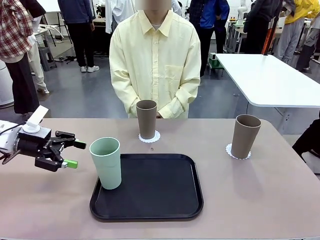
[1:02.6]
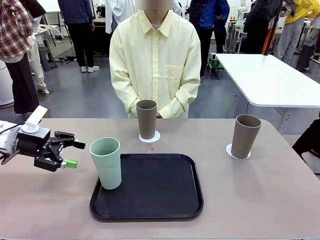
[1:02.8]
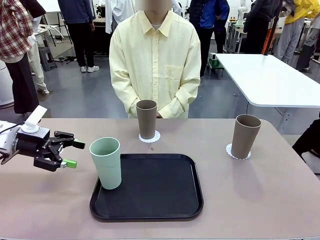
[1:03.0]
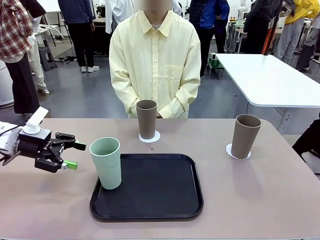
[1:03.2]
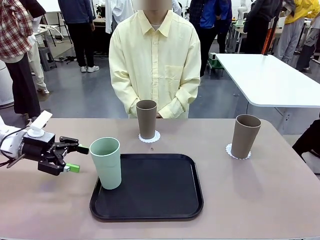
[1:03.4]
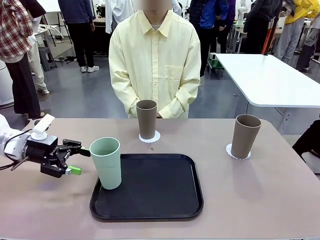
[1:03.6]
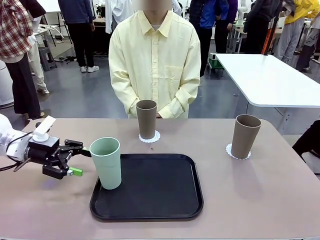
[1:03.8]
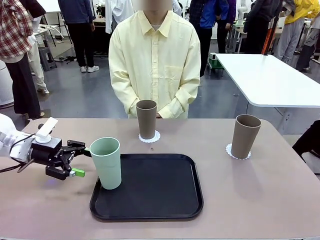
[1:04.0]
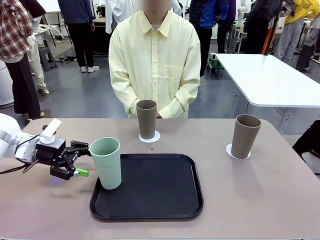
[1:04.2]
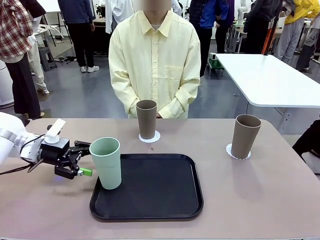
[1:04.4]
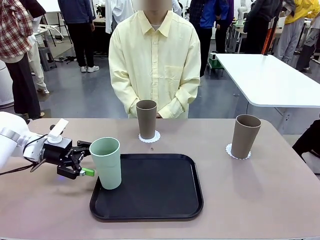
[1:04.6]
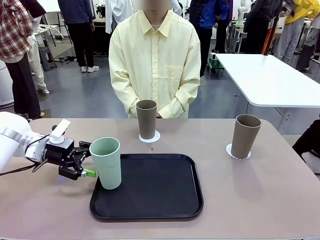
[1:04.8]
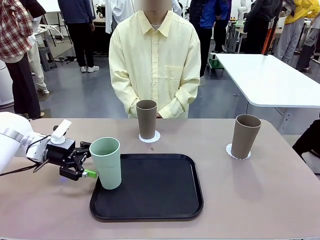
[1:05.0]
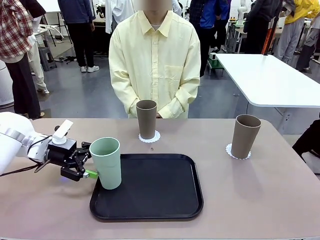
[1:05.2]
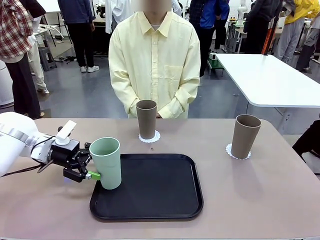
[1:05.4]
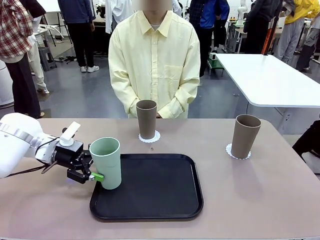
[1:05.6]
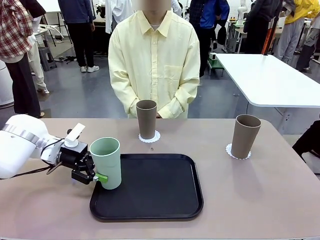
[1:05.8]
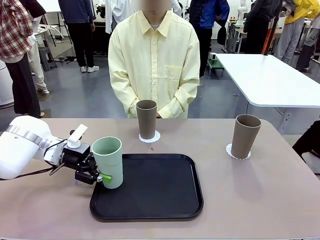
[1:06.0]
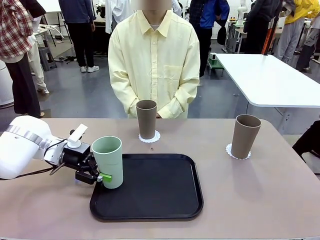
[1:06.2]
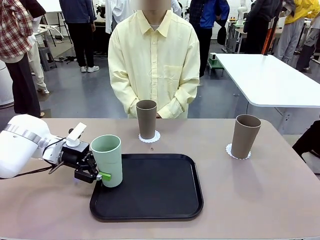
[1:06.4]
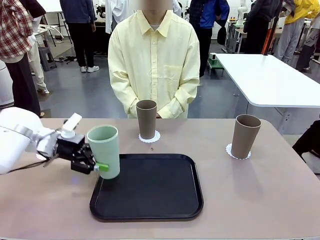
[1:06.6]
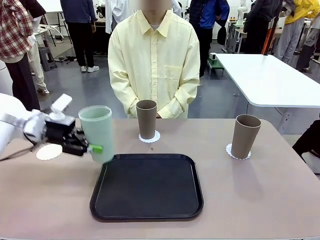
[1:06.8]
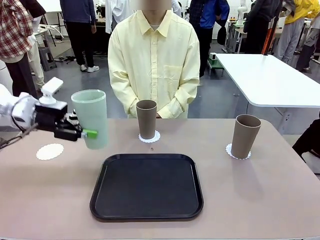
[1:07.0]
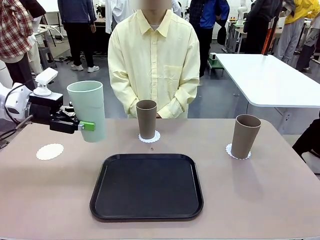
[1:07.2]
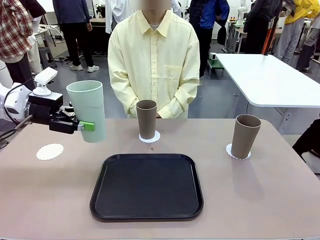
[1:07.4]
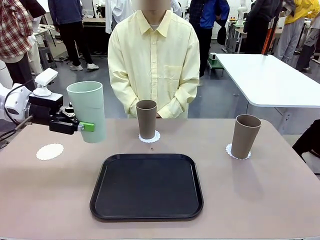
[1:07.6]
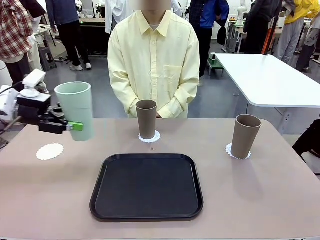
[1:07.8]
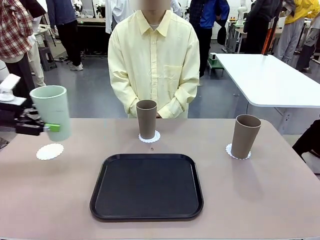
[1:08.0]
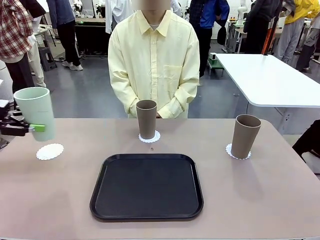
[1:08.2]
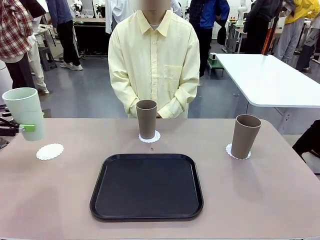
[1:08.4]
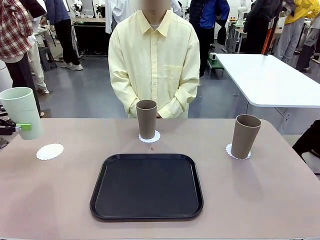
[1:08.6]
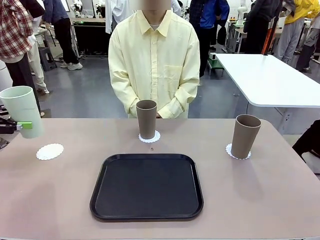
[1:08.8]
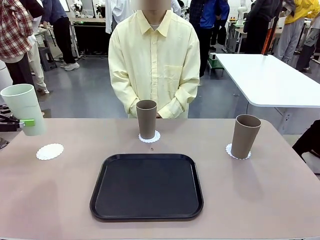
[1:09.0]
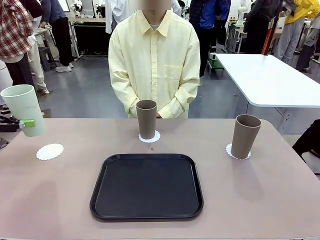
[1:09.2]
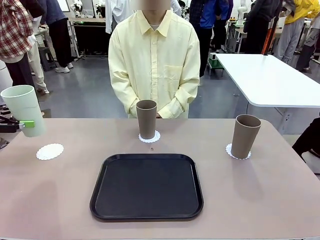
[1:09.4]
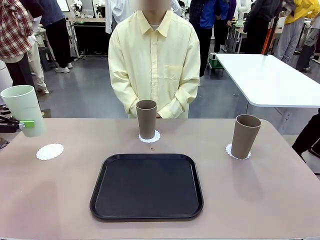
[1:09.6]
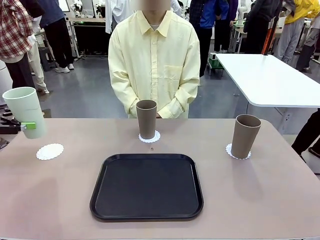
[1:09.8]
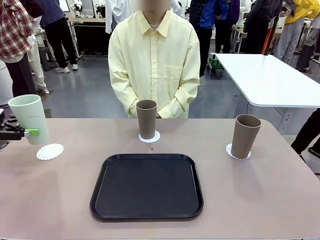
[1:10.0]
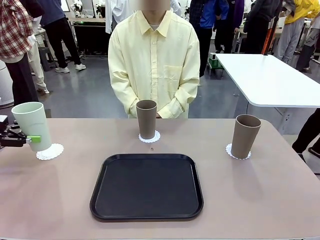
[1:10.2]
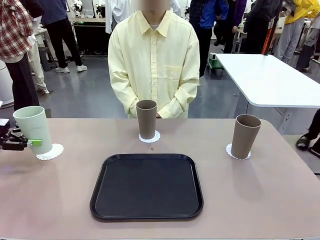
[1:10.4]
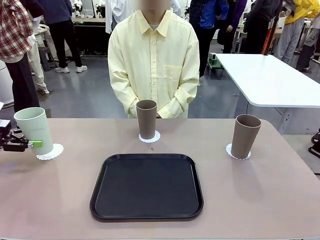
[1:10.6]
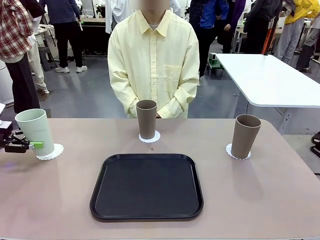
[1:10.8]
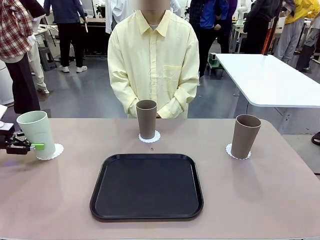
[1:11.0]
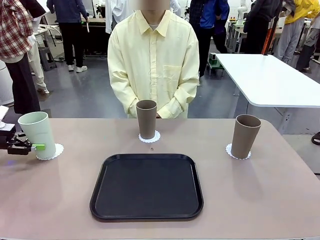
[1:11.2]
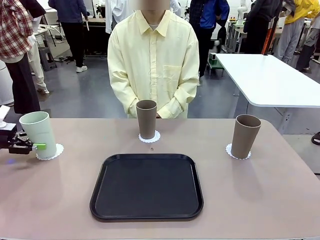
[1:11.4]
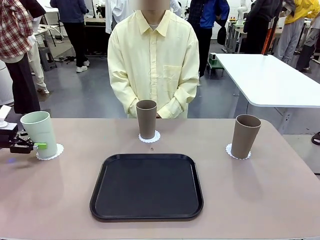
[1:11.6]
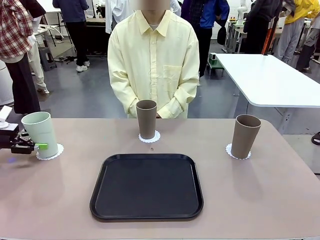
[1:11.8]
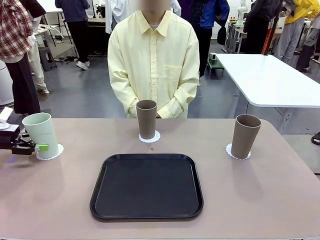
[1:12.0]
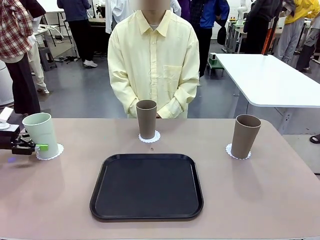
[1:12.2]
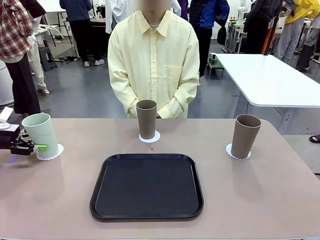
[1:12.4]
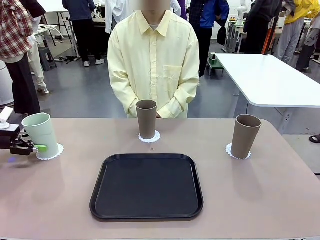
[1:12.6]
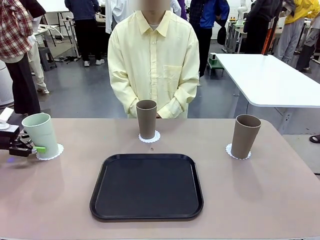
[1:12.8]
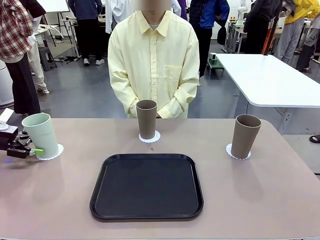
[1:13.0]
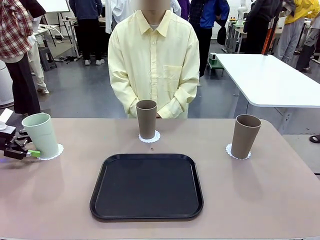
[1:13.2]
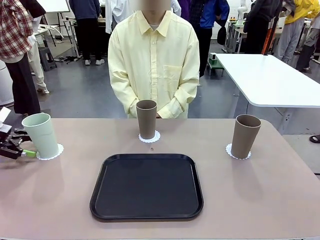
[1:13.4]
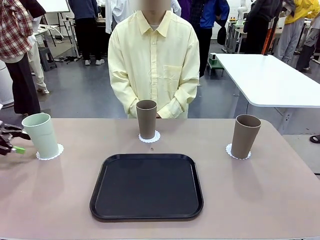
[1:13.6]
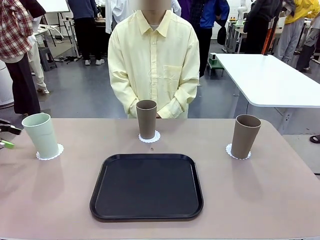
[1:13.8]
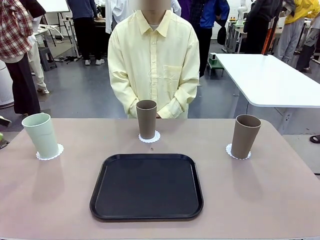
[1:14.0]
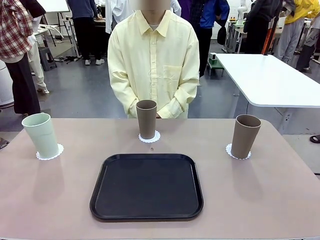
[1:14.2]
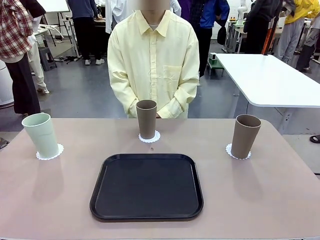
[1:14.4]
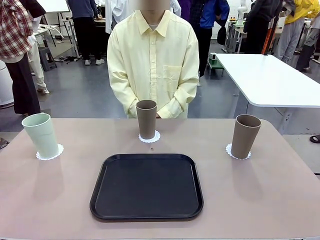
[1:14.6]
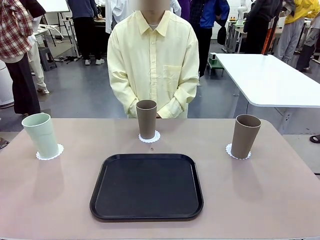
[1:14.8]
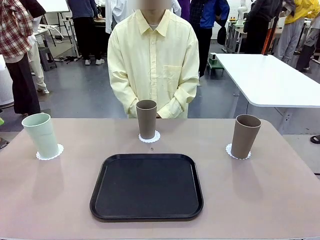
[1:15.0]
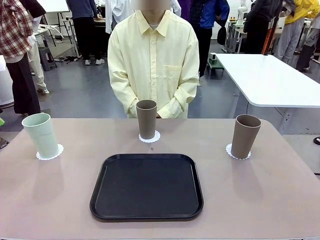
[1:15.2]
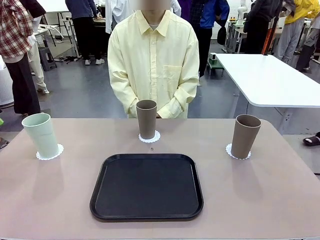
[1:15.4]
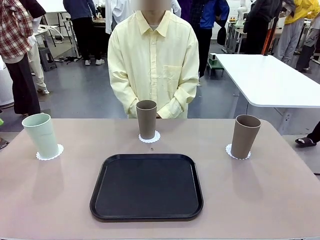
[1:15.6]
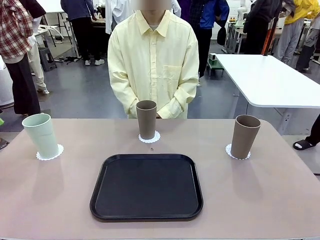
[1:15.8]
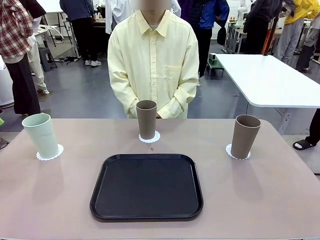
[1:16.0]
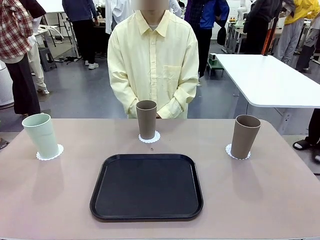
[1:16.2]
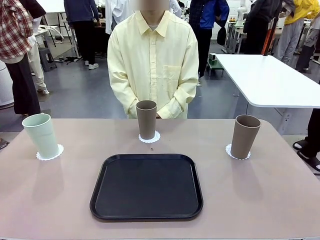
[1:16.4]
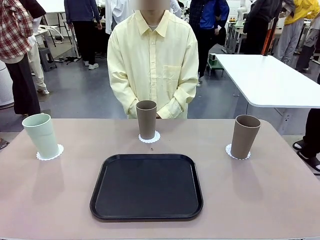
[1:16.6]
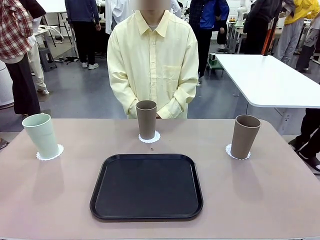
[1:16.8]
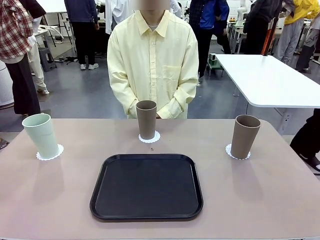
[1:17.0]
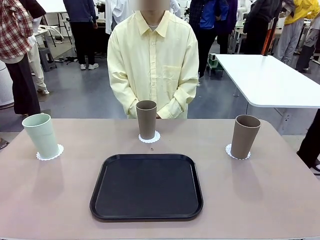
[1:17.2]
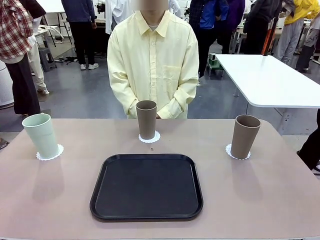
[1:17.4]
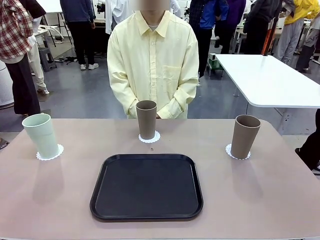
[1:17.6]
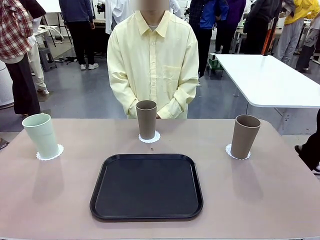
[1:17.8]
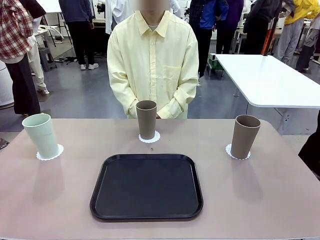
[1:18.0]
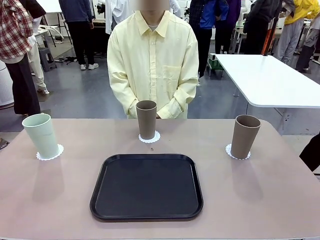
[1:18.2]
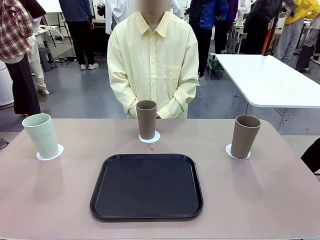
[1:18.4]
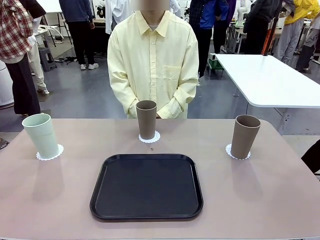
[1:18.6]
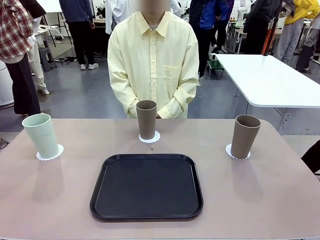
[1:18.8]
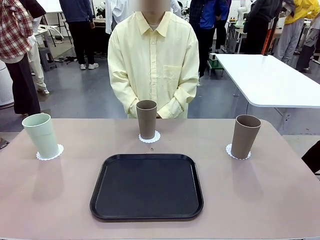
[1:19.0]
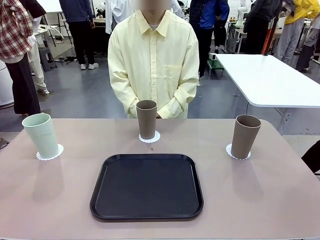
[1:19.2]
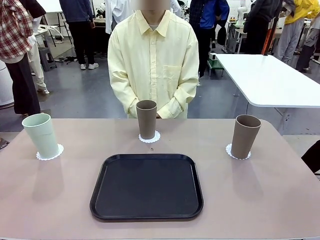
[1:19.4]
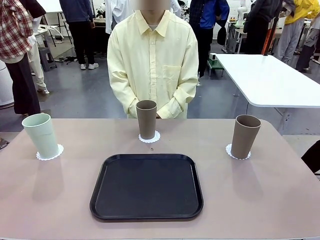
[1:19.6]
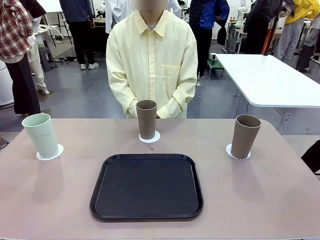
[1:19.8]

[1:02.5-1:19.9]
Task: Place coasters on the table and set cups on them.
Robot: Take one Reusable plastic cup from the Flat Tray and place it on a coaster set by the human.
